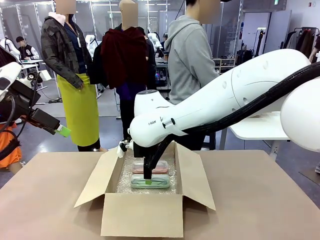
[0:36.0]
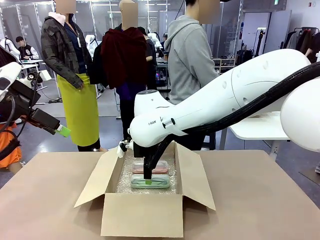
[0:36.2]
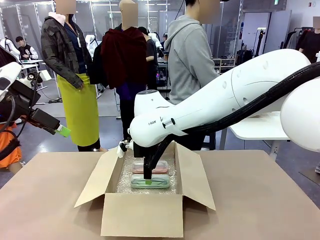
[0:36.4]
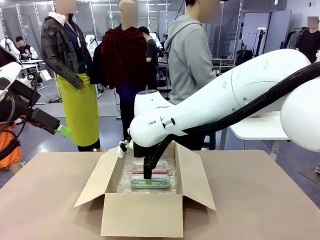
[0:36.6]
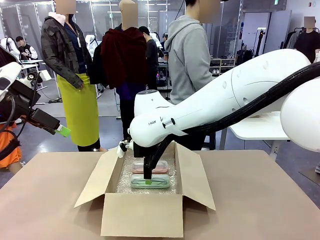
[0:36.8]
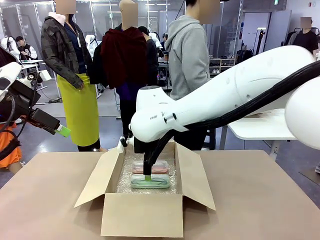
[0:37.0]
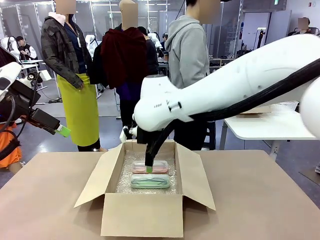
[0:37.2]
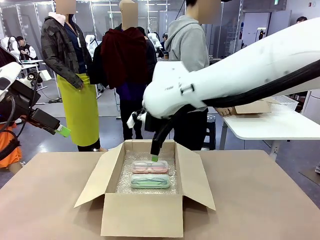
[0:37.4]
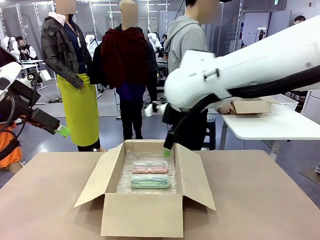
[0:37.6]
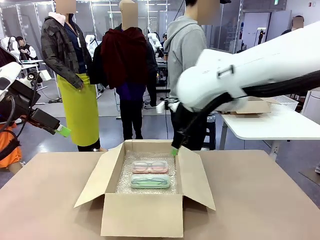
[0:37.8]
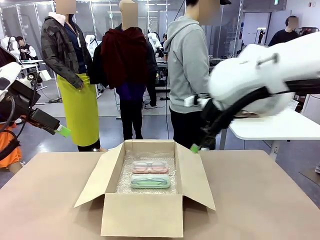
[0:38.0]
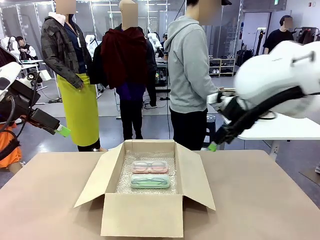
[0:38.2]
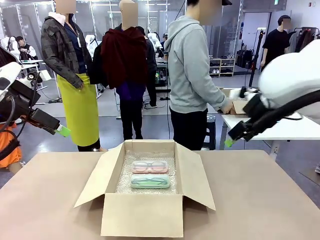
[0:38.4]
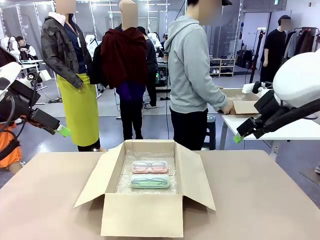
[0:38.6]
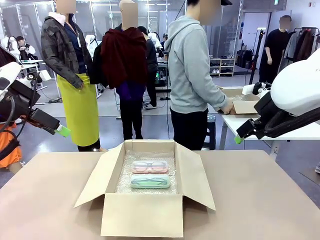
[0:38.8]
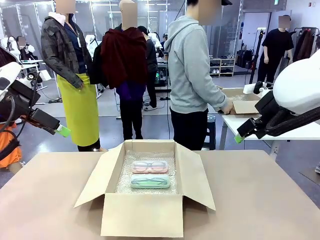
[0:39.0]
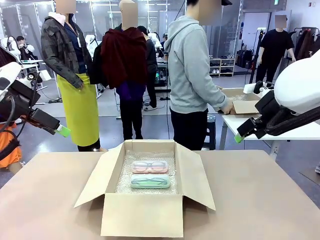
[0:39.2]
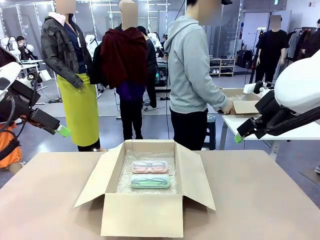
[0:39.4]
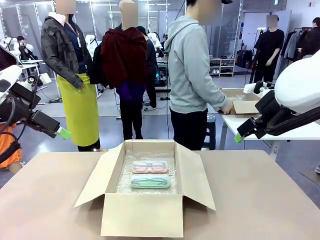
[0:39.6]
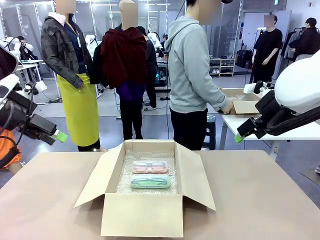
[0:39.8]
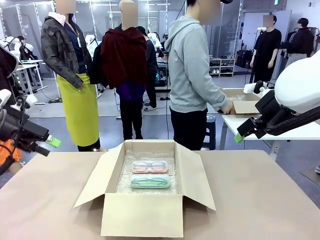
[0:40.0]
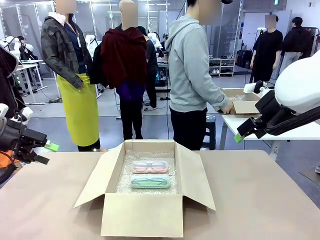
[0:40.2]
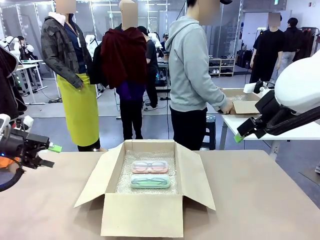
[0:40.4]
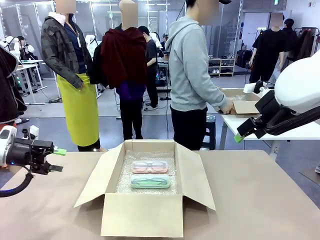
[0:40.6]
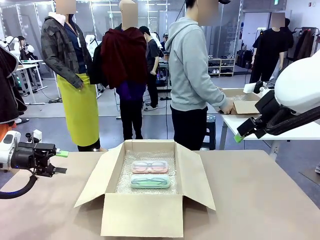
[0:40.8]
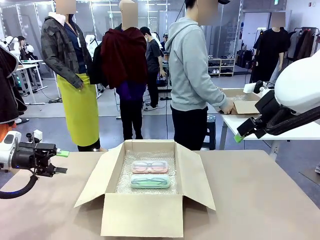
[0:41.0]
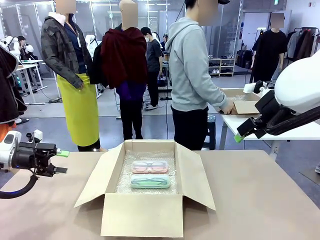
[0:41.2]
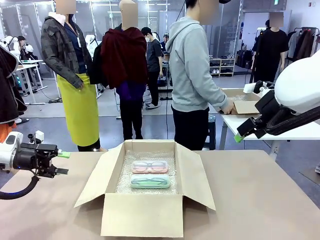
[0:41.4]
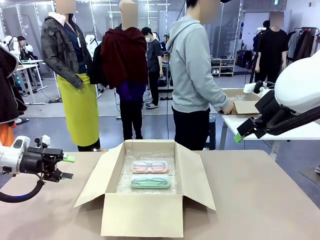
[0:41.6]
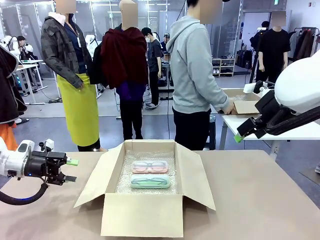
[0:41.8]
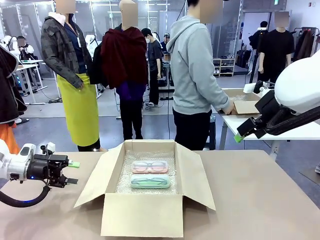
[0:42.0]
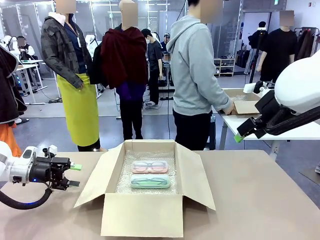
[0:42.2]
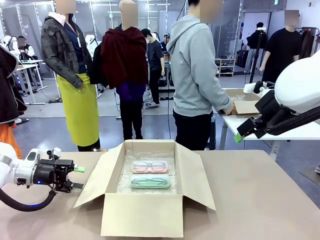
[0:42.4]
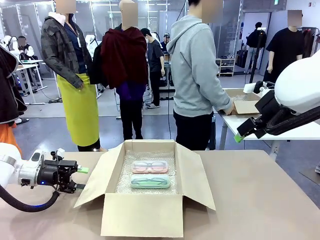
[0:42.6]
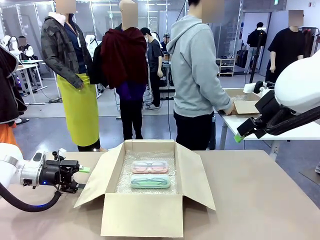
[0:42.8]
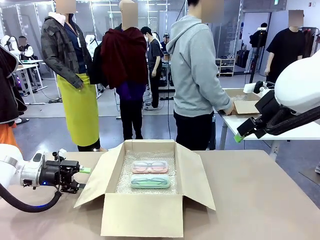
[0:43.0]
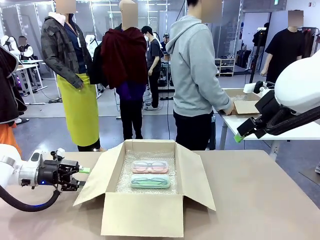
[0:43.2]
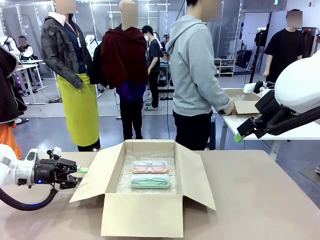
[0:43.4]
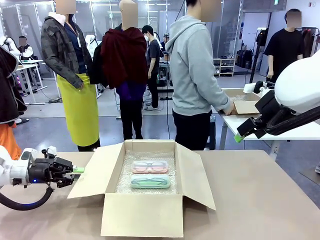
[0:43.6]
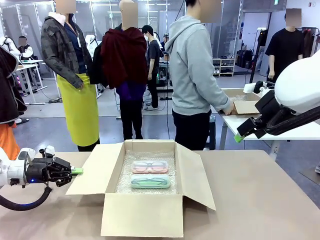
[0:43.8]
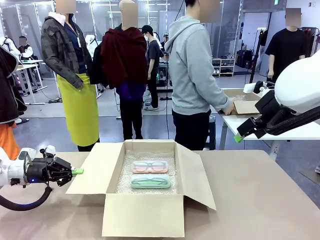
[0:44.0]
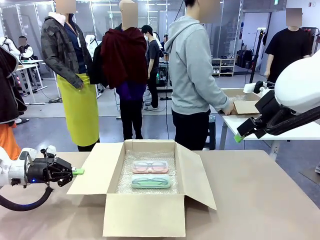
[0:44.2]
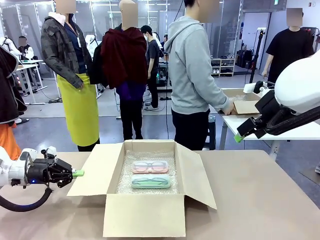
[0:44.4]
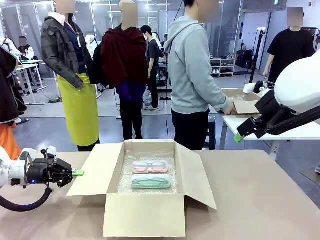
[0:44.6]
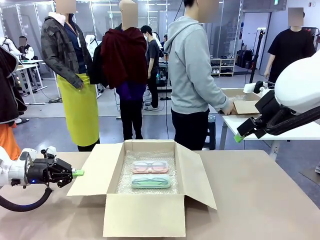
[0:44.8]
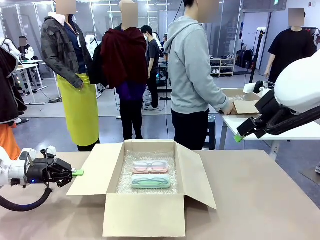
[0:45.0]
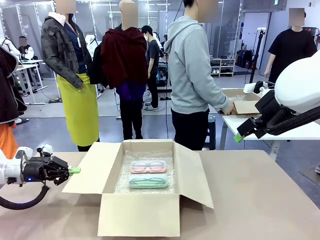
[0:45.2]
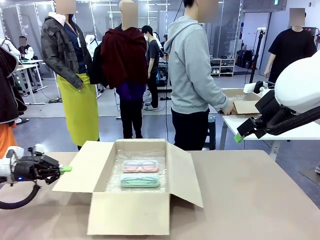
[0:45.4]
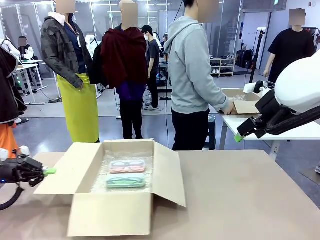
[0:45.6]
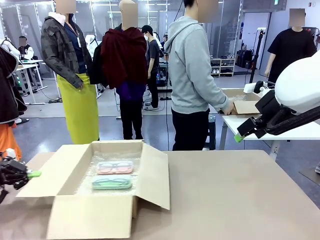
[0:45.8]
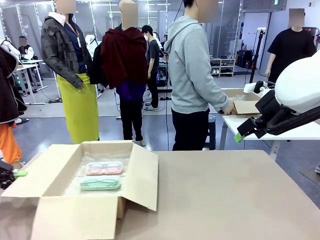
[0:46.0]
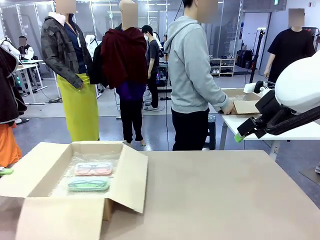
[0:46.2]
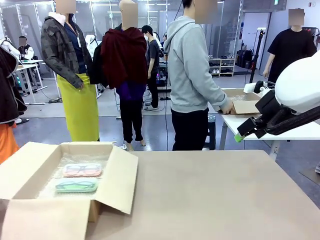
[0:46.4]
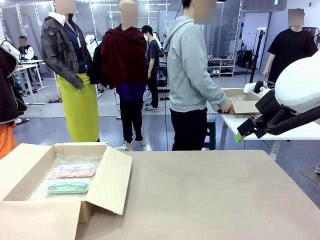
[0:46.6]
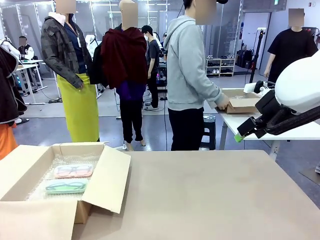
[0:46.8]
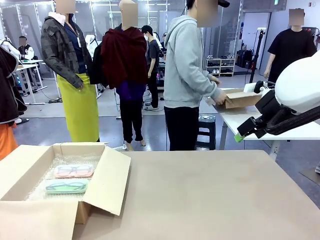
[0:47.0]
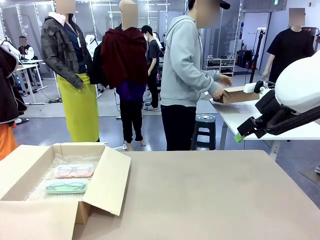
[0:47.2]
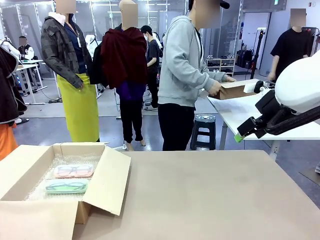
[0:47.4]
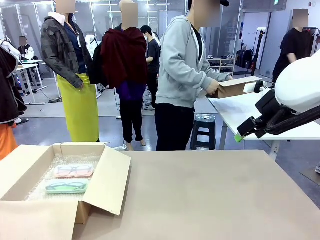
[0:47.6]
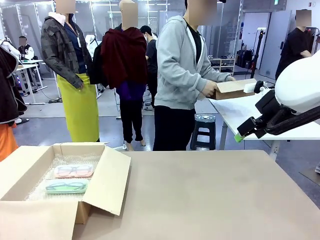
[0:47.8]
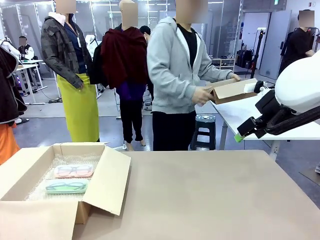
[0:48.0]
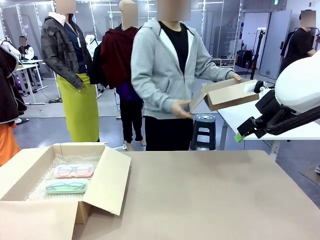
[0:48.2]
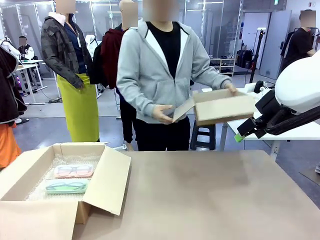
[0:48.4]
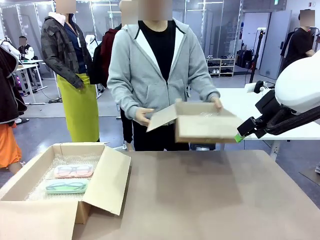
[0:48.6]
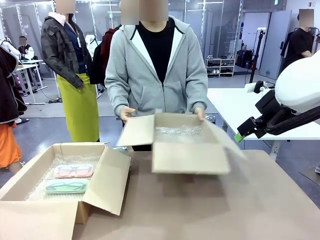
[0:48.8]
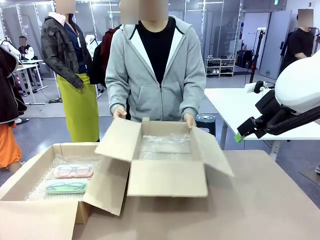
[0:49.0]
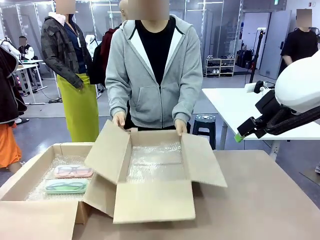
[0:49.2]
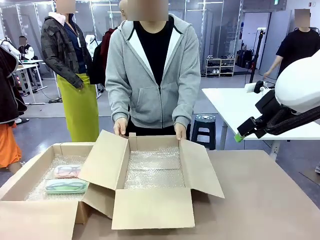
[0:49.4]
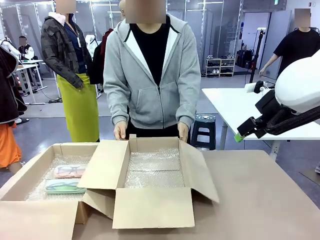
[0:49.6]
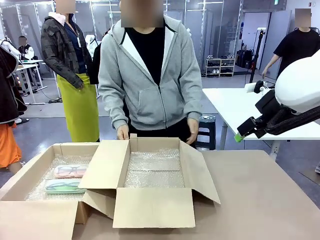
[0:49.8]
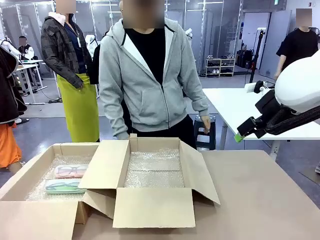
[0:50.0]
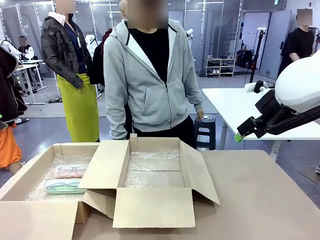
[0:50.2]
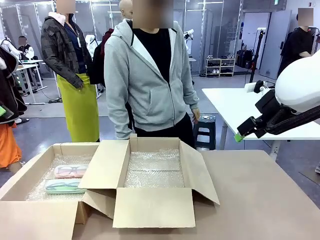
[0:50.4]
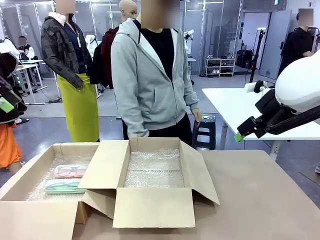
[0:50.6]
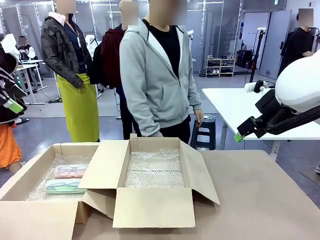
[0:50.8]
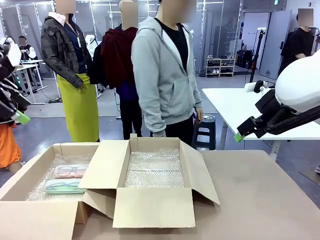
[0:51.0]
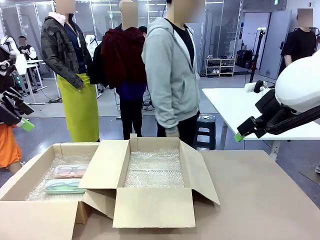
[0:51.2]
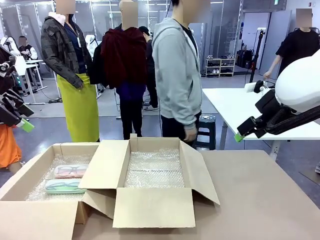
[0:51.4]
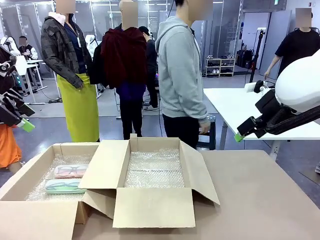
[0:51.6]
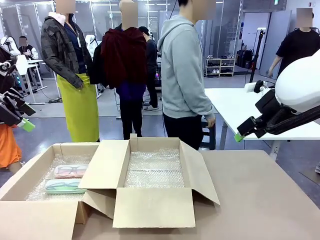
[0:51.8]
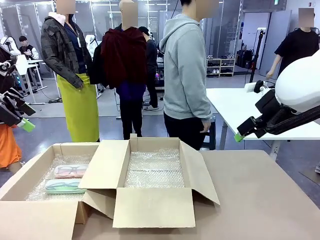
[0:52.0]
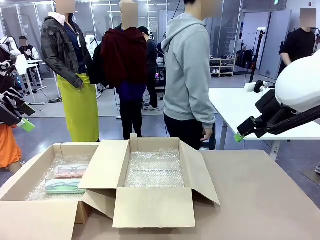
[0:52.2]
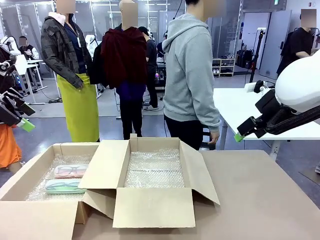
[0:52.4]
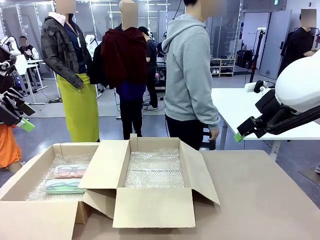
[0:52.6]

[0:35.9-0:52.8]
Task: Pack the glasses set securely to prepare it for shipping.
Robot: Position the Package Box on the left side of the table.
Person: Position the empty Package Box in the middle of the robot's table.
